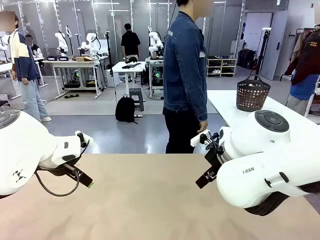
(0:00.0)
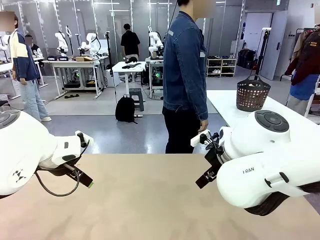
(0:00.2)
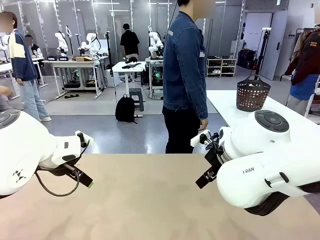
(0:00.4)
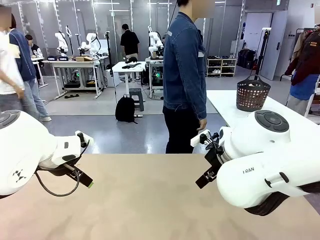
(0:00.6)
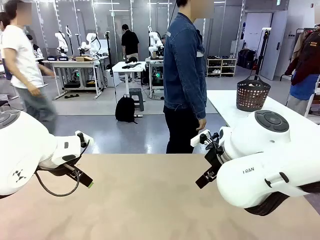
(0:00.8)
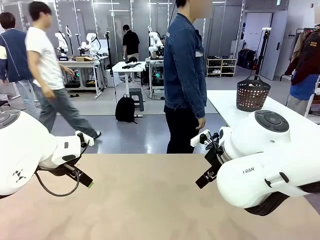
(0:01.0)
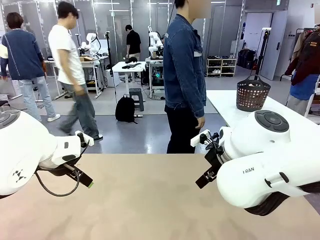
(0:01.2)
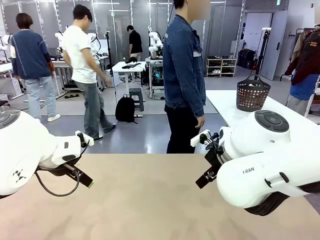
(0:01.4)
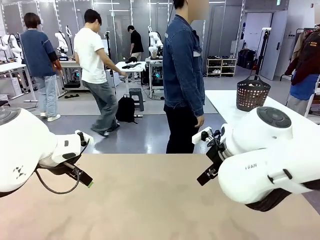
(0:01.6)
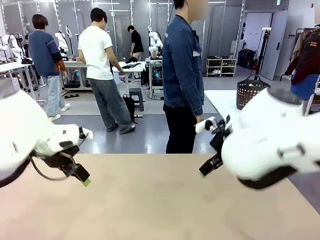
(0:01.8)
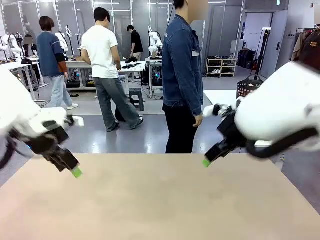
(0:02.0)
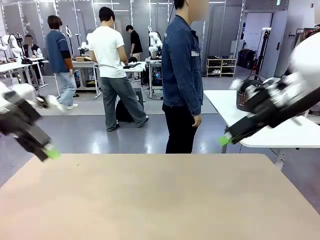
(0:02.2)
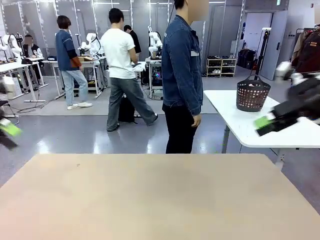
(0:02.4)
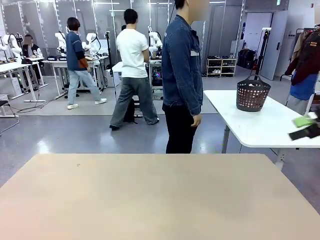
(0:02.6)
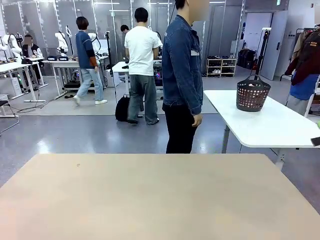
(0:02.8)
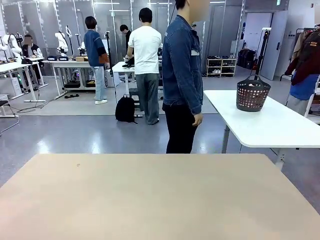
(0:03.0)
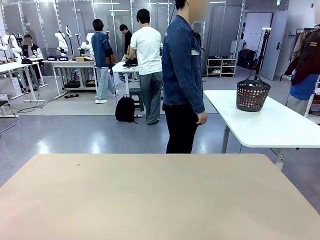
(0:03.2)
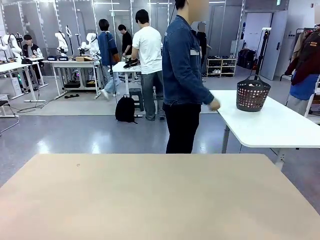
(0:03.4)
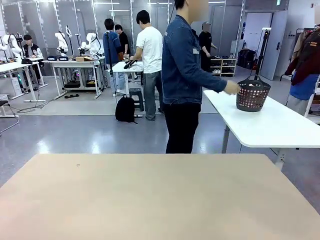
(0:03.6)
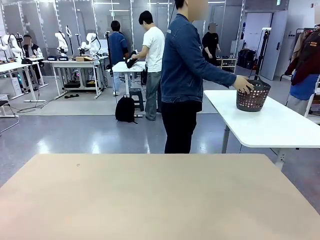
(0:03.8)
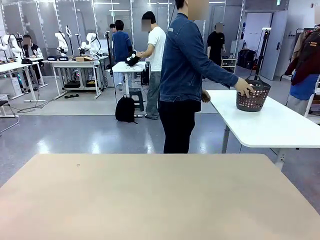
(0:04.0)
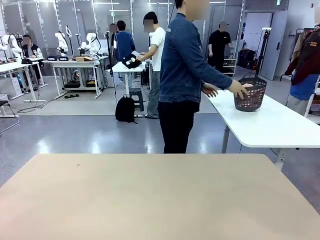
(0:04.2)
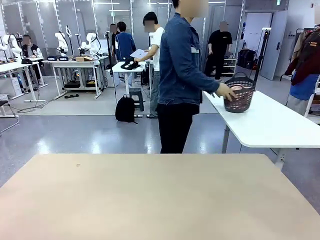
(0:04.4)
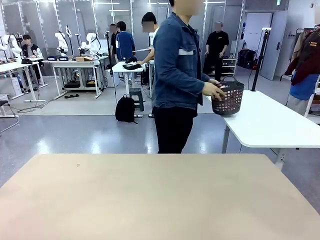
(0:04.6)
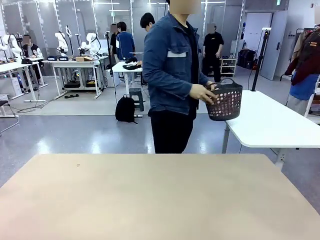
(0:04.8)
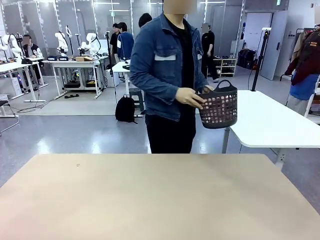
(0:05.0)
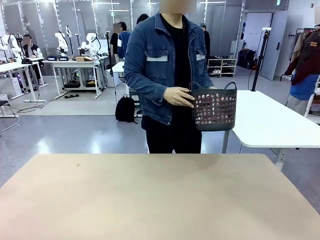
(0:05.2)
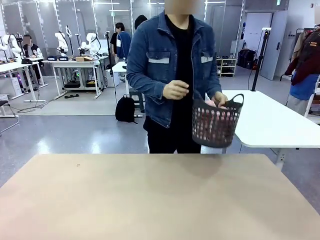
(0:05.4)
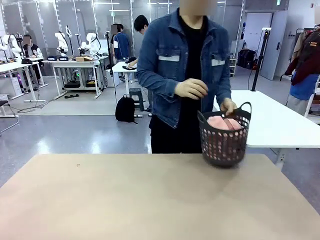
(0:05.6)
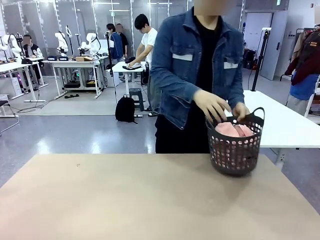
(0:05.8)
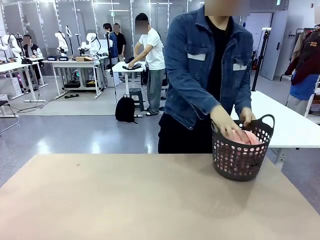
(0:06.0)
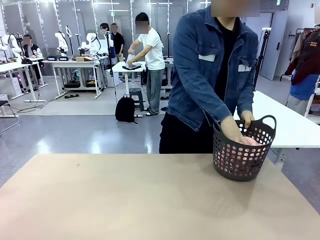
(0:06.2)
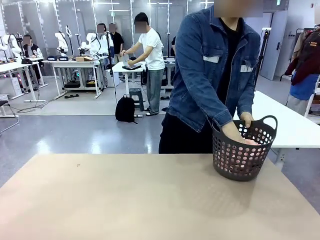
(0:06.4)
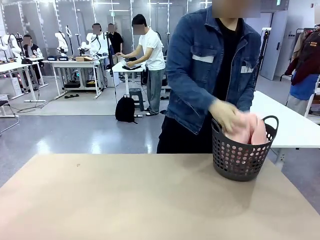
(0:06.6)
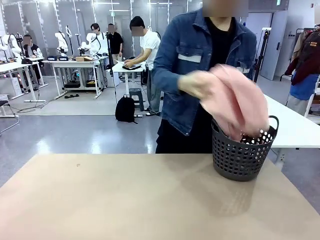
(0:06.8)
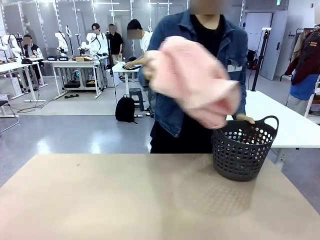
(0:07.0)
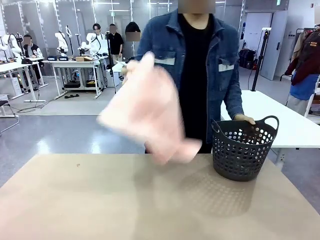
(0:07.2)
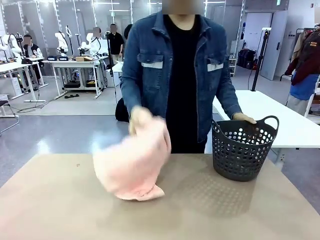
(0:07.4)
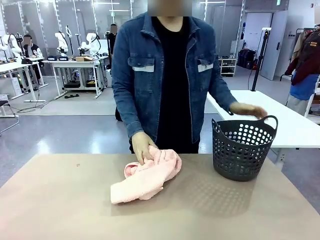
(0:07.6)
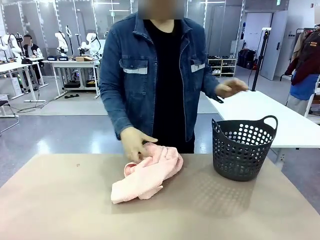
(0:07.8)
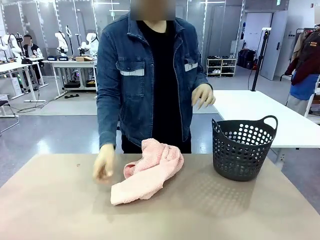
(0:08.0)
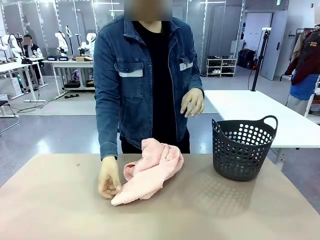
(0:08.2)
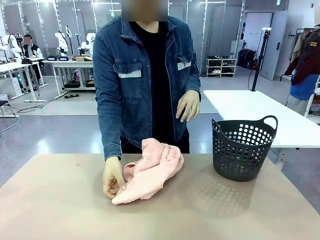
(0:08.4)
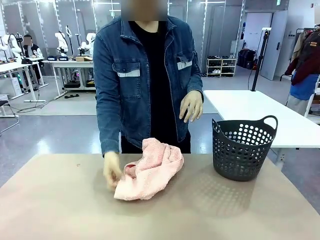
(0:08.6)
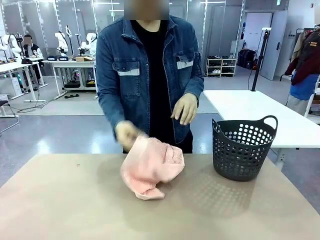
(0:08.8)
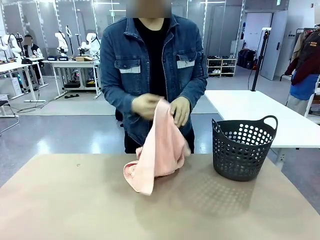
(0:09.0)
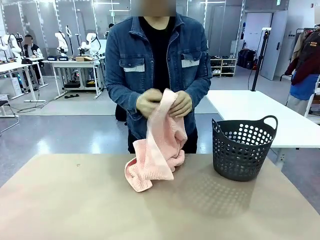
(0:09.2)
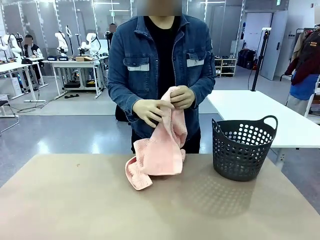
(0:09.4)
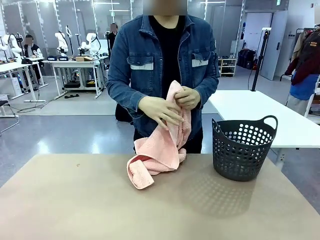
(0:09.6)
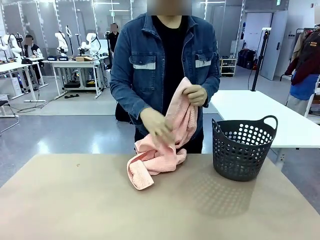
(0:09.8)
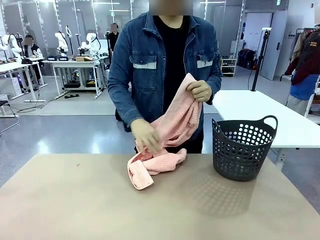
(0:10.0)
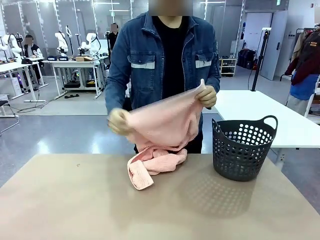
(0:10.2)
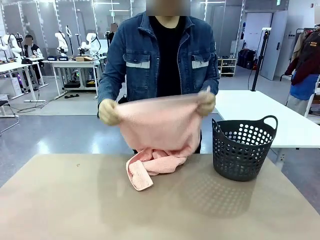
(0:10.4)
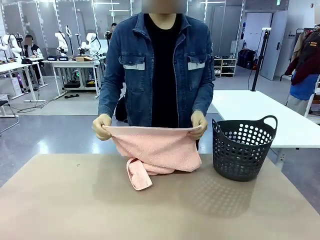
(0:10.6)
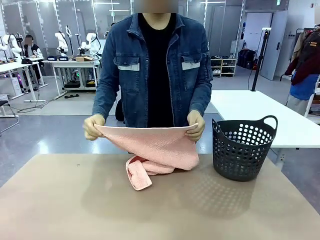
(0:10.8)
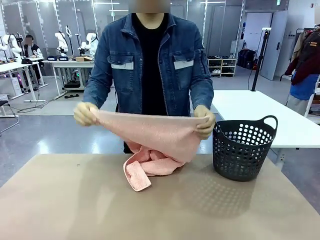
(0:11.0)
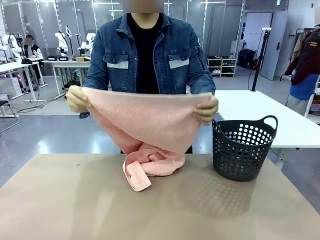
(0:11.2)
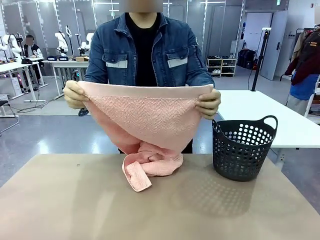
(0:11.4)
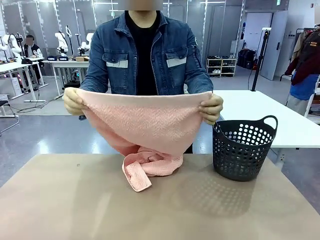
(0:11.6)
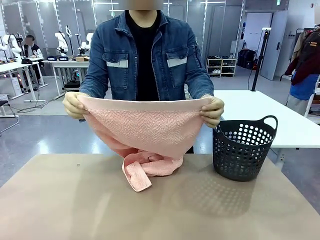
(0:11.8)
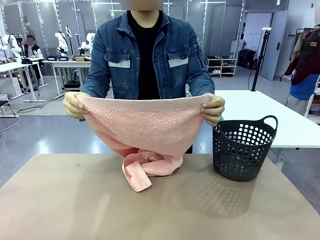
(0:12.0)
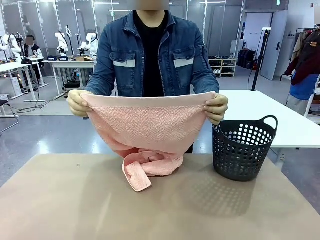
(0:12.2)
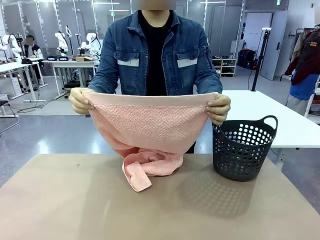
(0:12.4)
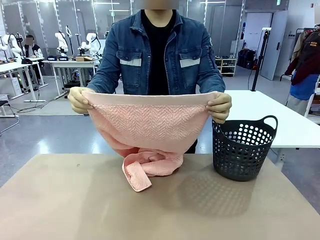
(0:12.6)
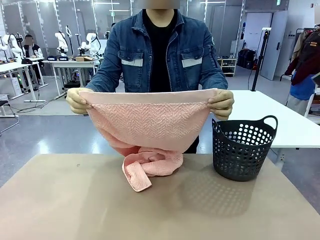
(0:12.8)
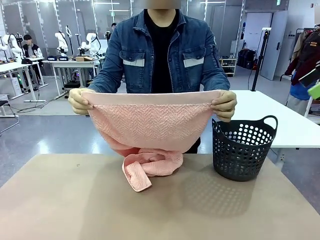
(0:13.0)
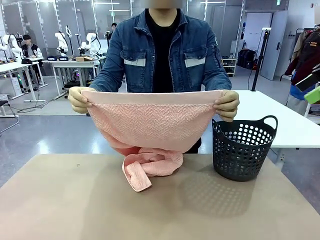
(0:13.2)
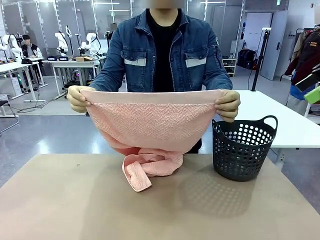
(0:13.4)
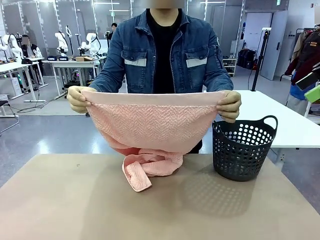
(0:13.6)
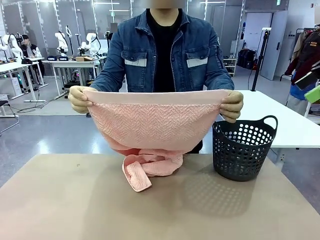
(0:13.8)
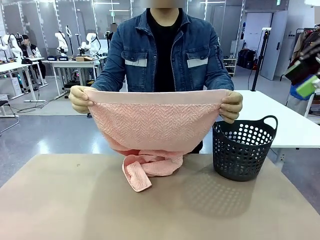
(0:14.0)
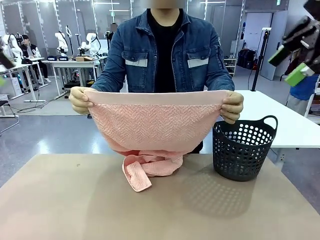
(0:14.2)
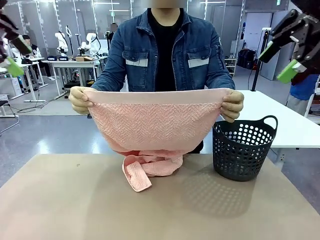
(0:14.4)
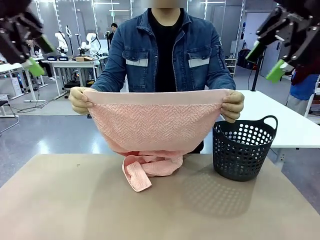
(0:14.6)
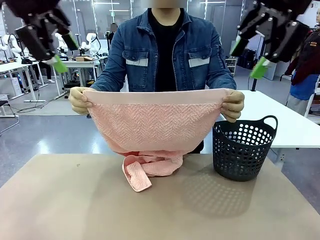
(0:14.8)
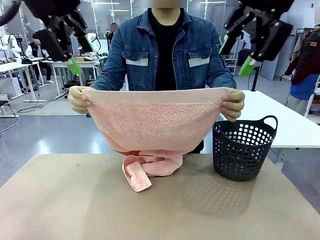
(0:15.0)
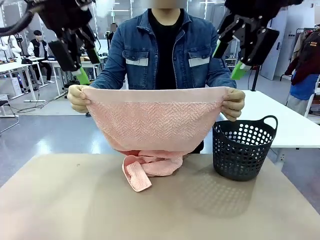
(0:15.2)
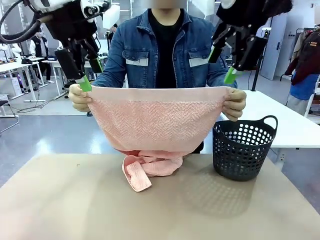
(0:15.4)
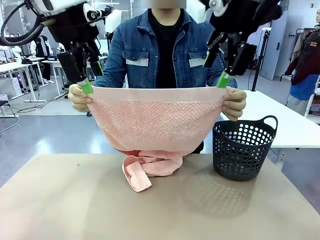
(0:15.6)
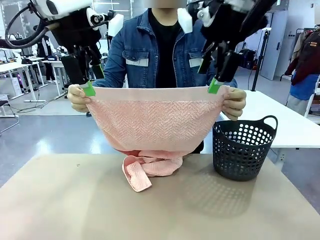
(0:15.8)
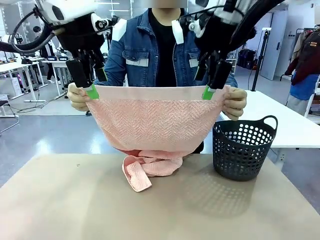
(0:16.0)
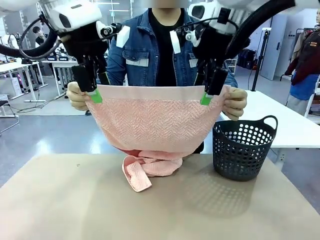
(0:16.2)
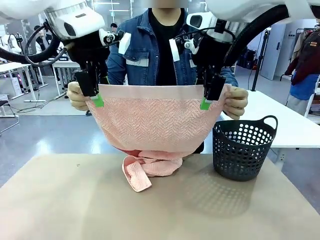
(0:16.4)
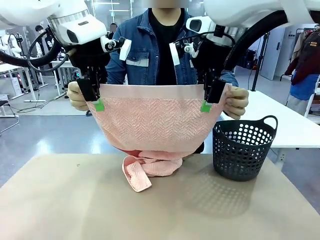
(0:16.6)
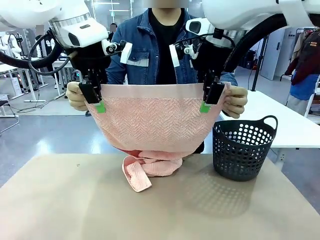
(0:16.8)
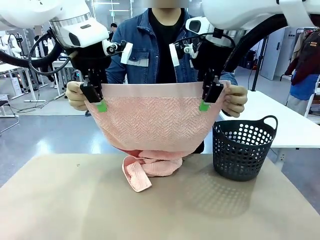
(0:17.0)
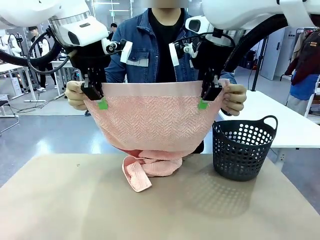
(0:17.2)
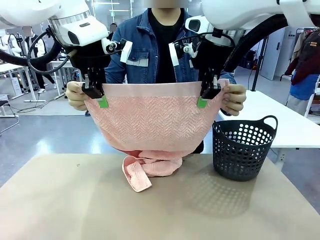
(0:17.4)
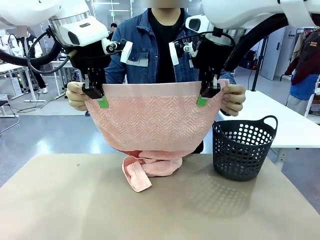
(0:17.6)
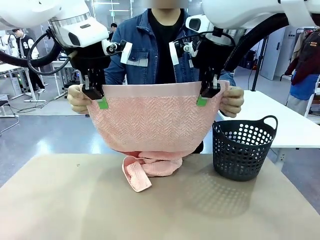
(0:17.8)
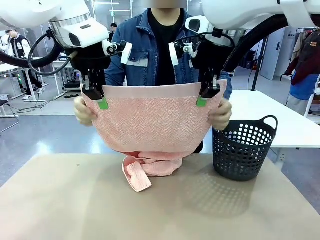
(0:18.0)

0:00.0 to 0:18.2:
Task: Fold the towel.
Robot: Grab the top end of the 100 cm Hotel Towel extended by the human.
Person: Pick up the laundry basket, place it on the left side of the robot table, then take out a towel and hand it to the robot while holding both corners of one end.
